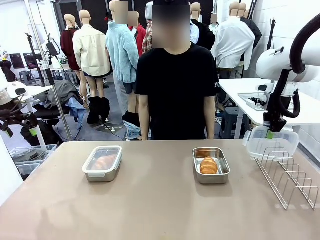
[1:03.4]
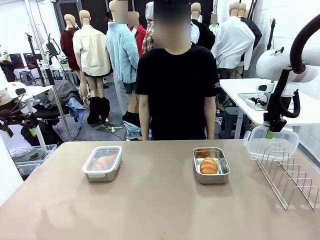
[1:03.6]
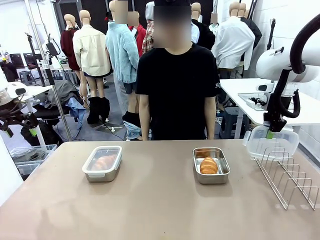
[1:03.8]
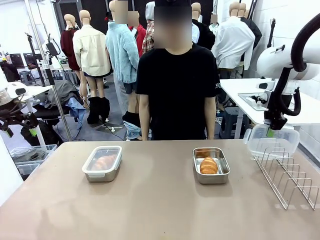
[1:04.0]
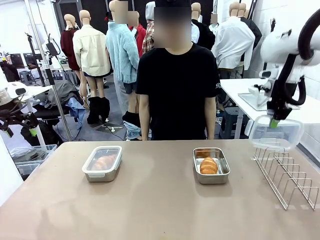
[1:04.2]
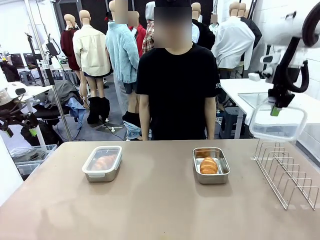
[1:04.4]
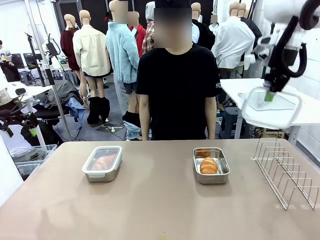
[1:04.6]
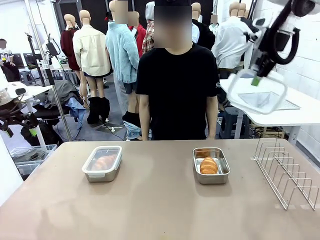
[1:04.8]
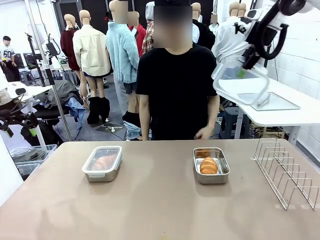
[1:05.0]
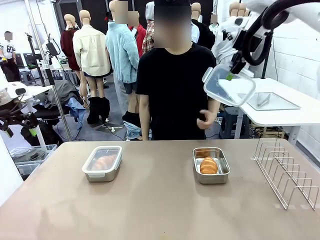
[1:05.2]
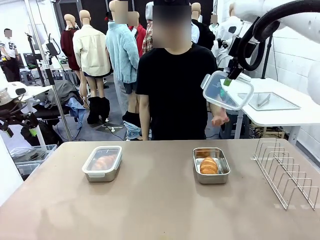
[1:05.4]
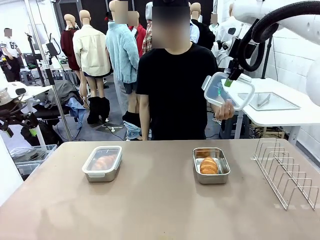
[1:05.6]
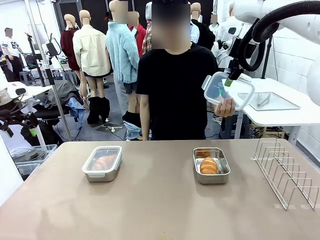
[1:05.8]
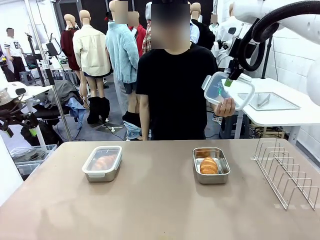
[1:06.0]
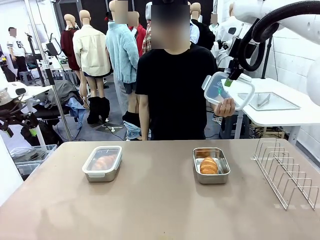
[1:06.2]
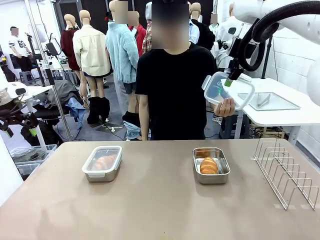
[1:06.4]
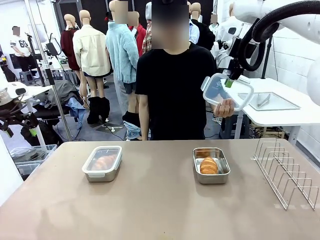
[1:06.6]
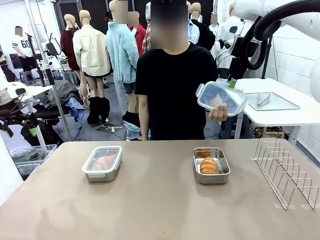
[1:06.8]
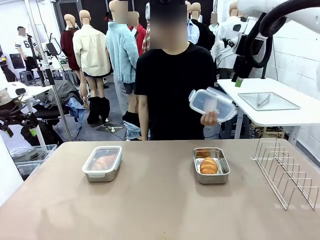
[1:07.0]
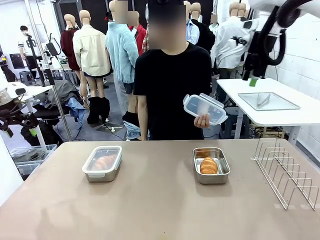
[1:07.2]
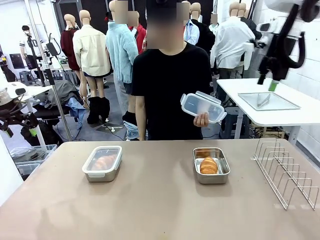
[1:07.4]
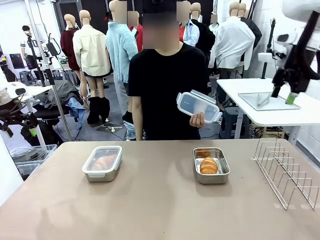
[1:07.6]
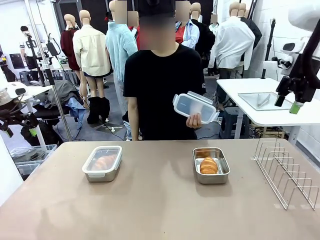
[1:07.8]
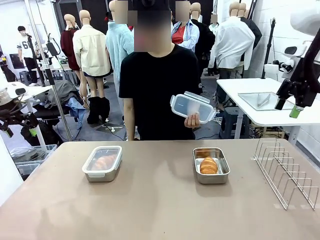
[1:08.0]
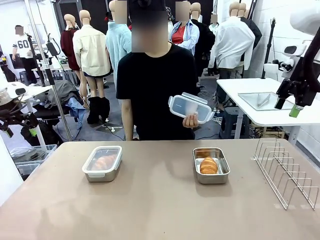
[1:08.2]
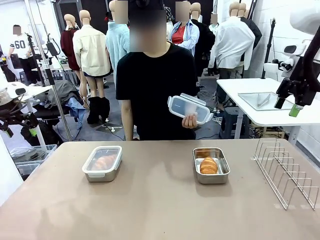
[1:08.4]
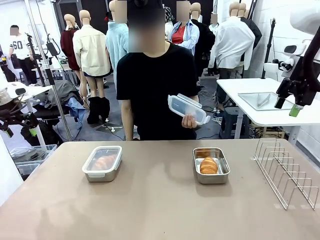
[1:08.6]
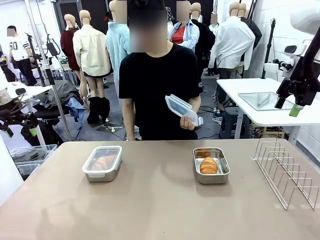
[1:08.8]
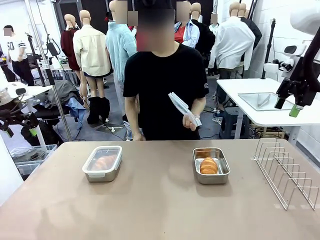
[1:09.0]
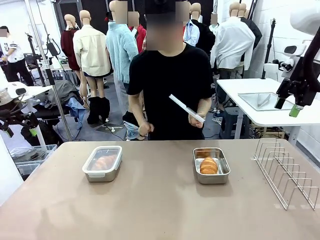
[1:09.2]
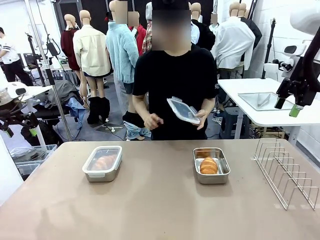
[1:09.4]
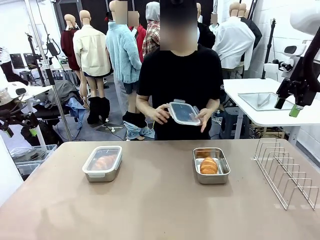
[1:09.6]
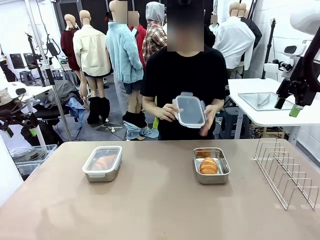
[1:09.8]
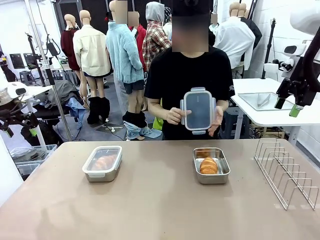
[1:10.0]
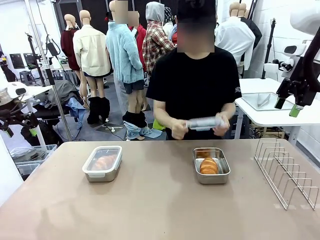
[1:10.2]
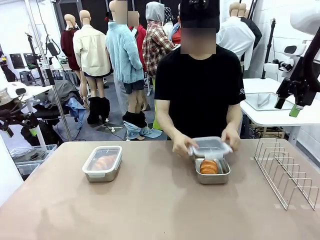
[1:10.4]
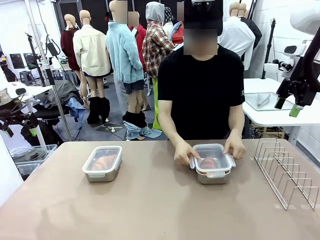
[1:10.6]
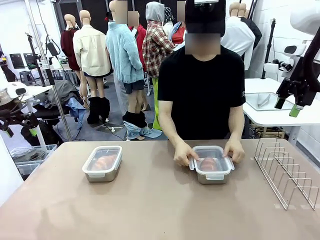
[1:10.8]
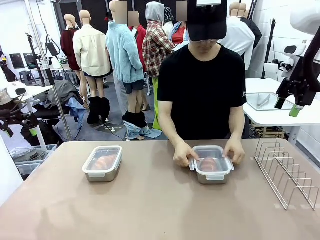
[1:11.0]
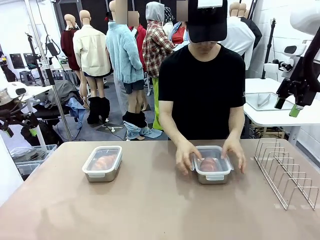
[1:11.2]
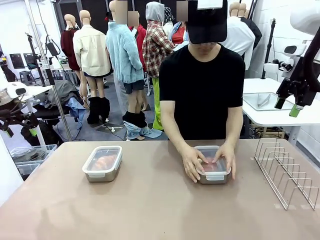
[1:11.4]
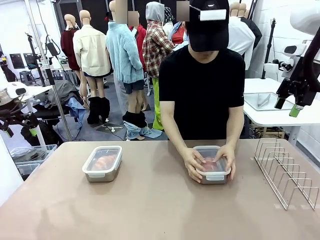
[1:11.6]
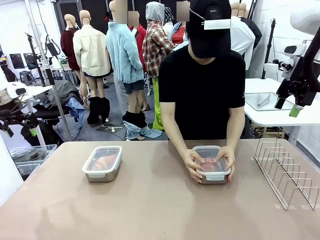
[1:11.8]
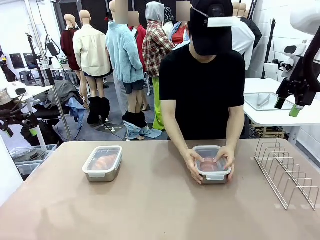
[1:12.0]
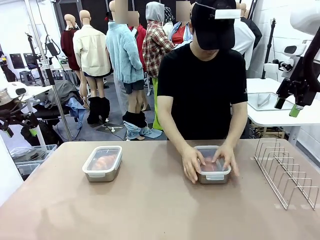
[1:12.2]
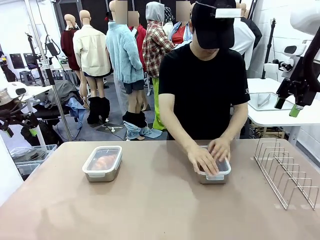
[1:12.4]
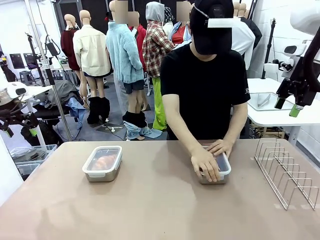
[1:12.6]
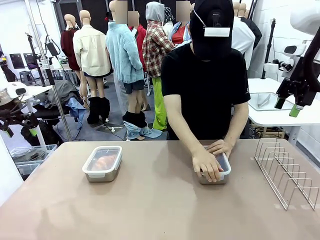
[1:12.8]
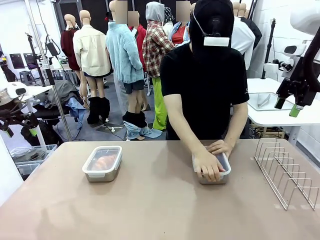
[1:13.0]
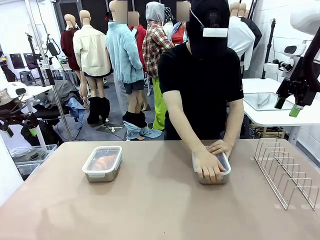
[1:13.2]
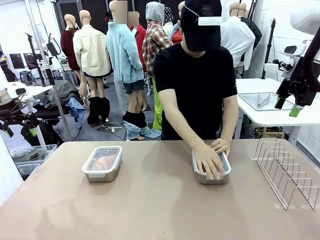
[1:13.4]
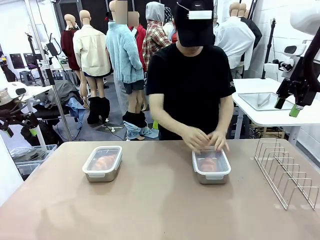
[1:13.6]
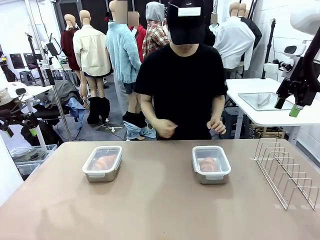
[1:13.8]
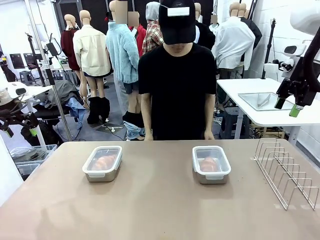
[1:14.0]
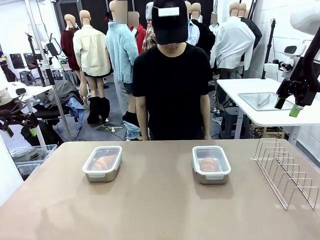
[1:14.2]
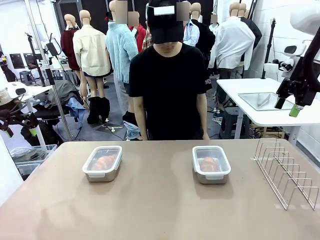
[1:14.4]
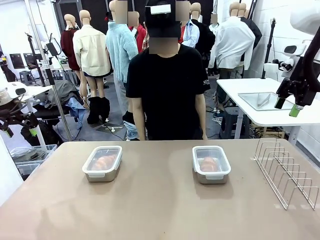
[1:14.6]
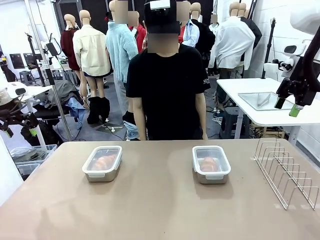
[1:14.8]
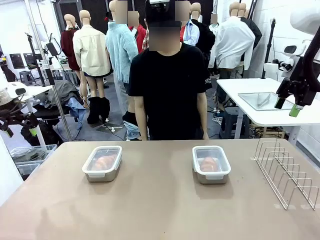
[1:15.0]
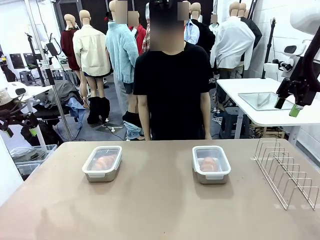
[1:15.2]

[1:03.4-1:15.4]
Task: Place the bread in airtight containers.
Robot: Release when the human grabs the Airtight Container lid.
Person: Close Airtight Container with a handed Airtight Container lid.

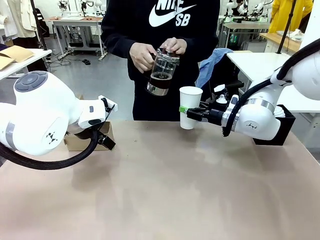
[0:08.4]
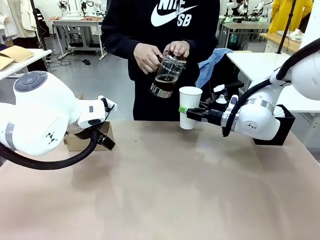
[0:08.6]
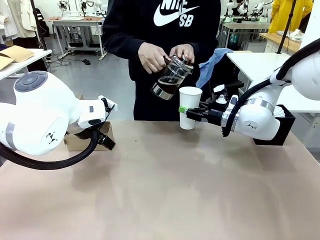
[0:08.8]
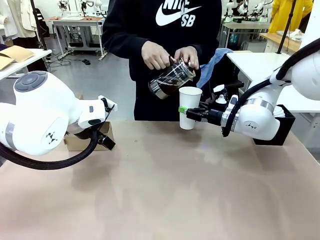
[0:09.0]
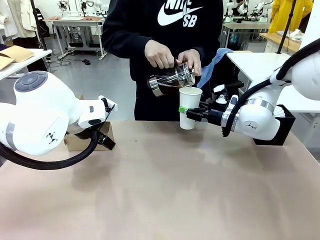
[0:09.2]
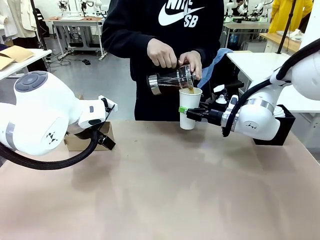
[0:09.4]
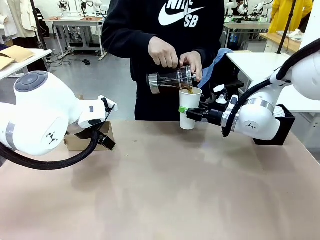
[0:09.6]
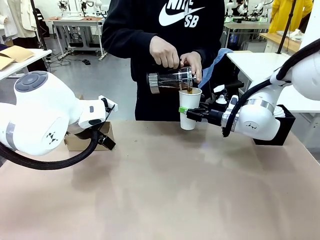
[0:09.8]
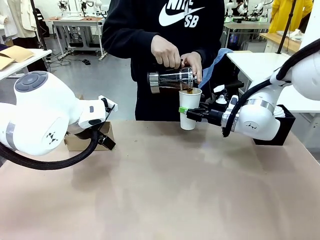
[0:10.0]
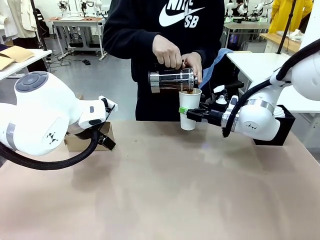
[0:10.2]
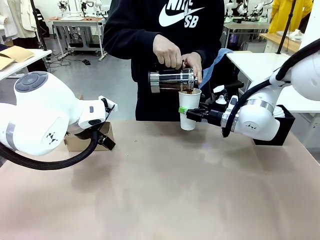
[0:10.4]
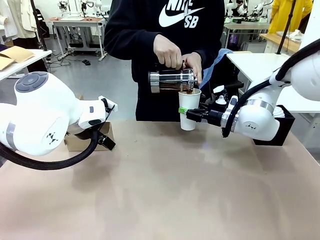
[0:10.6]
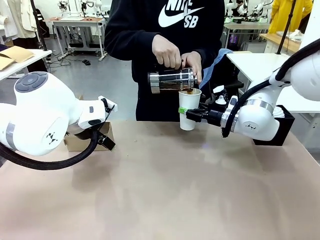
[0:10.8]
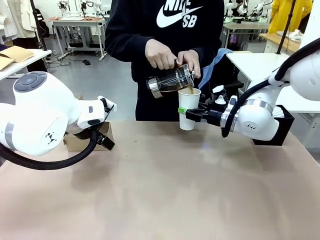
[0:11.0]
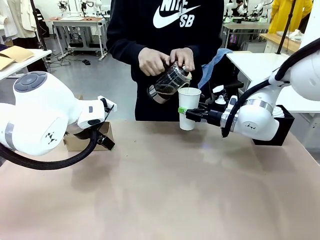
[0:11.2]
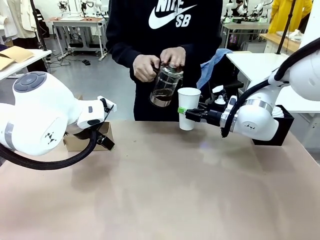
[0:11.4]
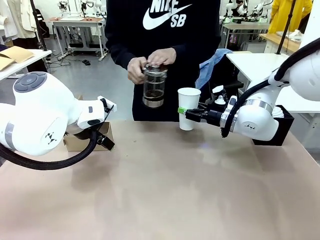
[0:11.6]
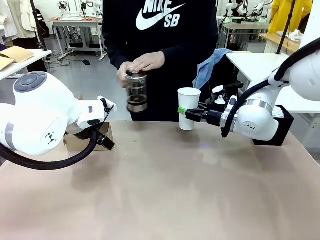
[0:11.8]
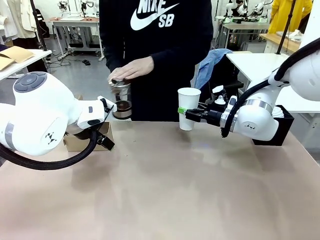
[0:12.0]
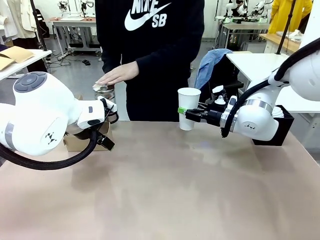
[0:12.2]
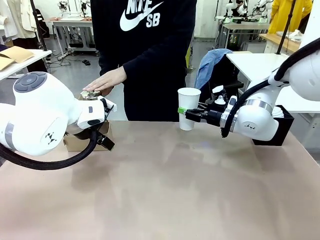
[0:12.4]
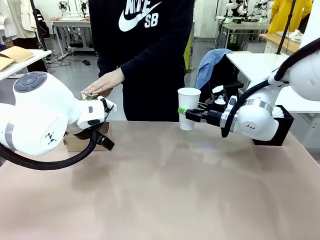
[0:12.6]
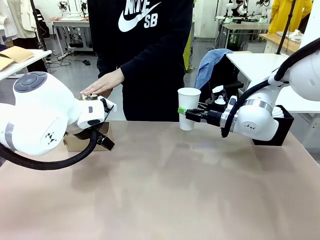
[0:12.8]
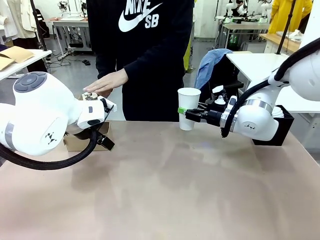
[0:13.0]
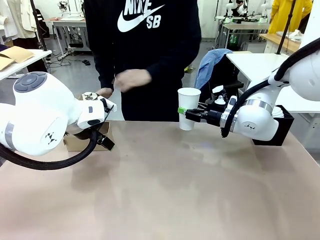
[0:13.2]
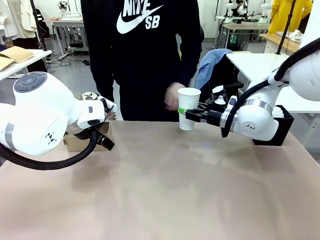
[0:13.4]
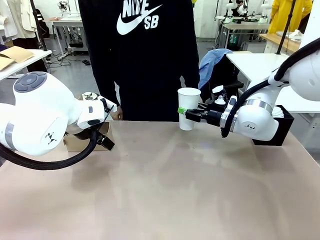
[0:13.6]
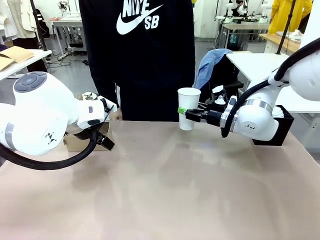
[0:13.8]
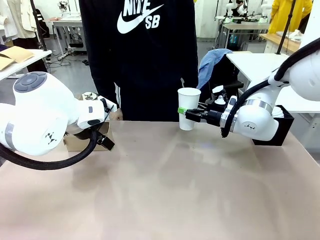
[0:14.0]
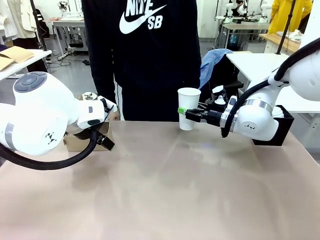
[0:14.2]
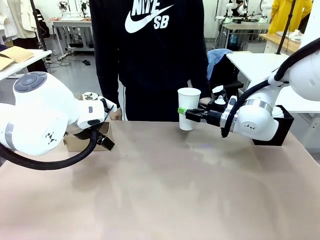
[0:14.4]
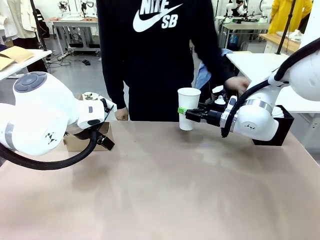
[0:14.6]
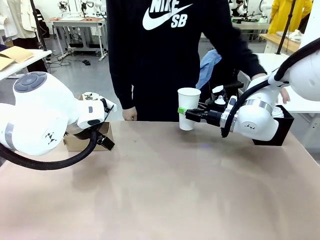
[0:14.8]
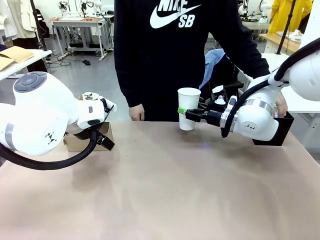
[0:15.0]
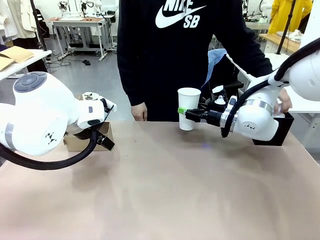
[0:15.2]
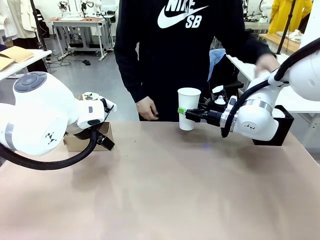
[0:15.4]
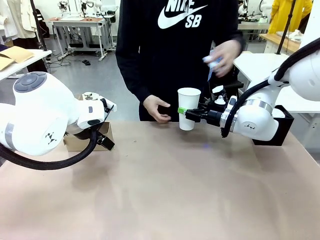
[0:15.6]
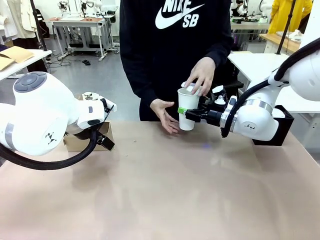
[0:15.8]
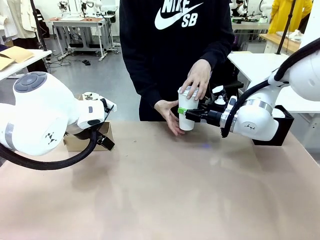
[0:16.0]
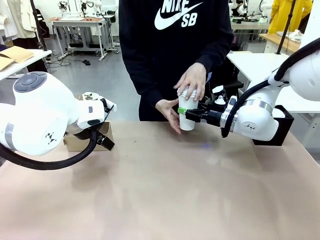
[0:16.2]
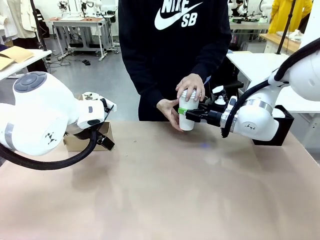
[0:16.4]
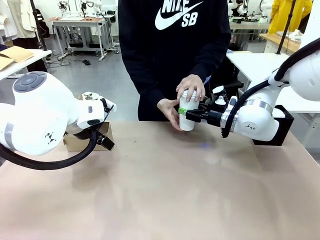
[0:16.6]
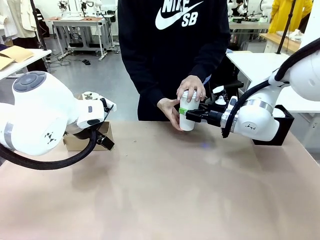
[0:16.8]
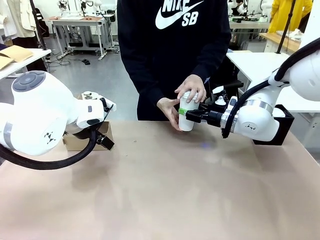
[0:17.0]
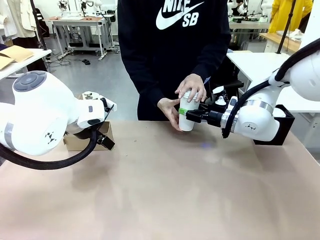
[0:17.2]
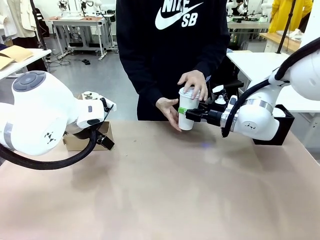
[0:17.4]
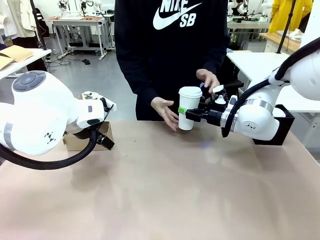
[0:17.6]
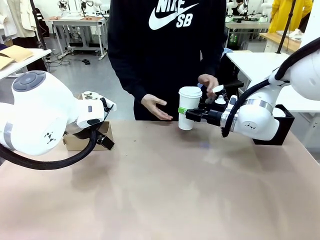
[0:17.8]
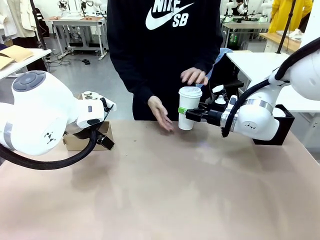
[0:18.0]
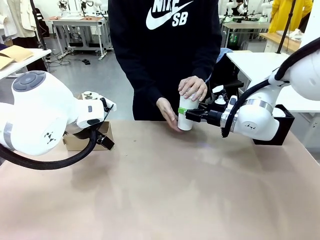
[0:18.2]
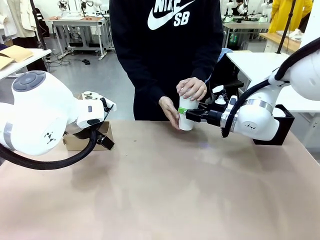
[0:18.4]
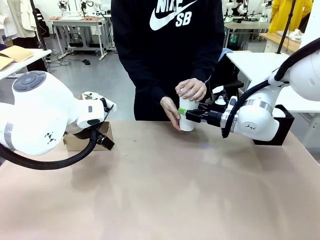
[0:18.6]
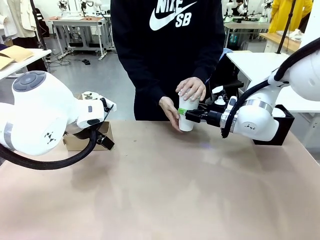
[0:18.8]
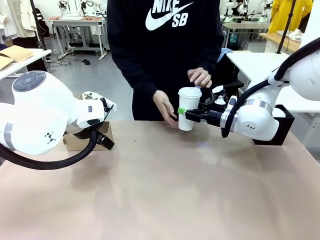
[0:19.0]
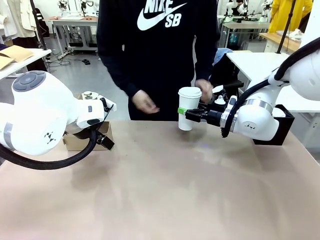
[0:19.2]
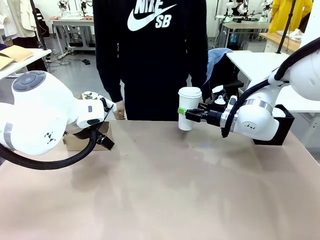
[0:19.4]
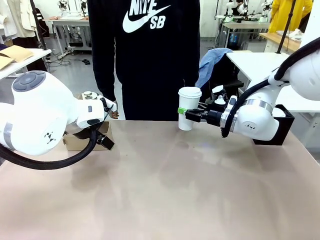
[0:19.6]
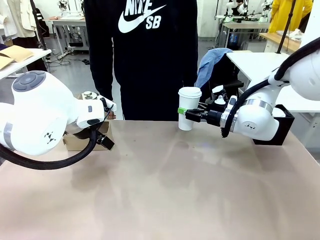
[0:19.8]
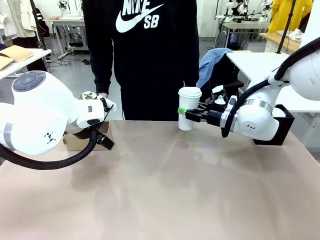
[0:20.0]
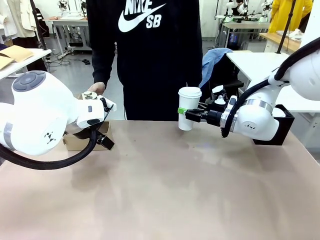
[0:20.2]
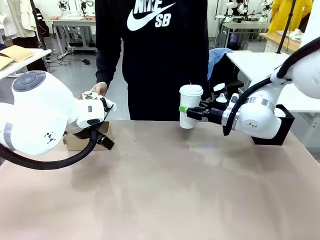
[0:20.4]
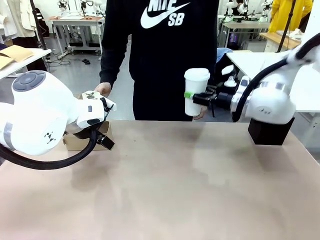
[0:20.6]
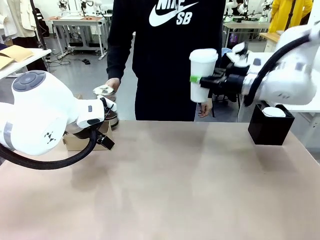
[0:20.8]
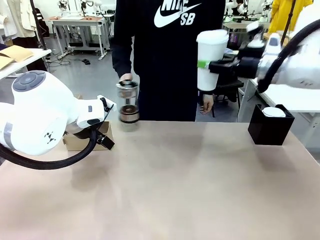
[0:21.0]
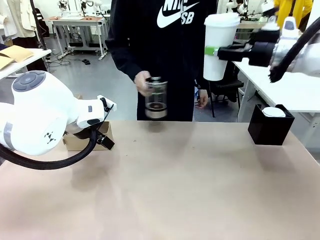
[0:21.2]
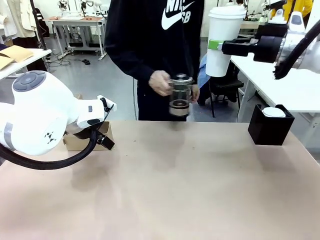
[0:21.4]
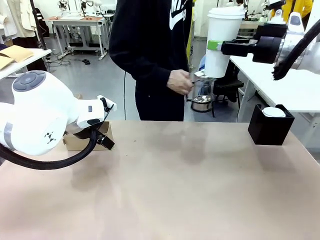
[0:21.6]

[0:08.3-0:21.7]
Task: Pour a drink into a cup and package it in a carrier.
Robot: When a person places the Paper Cup Lid on the 600 ml Paper Cup , lift the 600 ml Paper Cup.
Person: Pour the drink from the Filter Brewing into the 600 ml Paper Cup. Place a Paper Cup Lid on the 600 ml Paper Cup.
